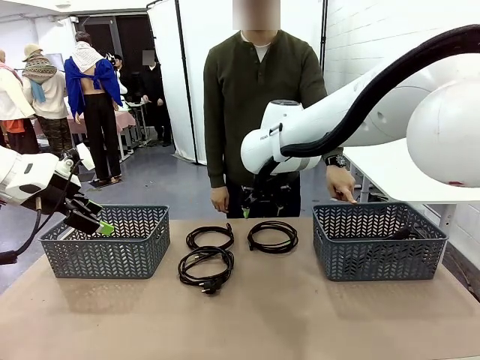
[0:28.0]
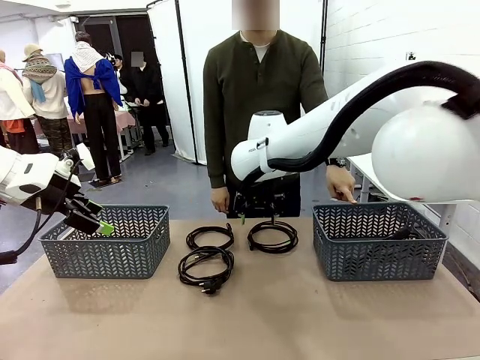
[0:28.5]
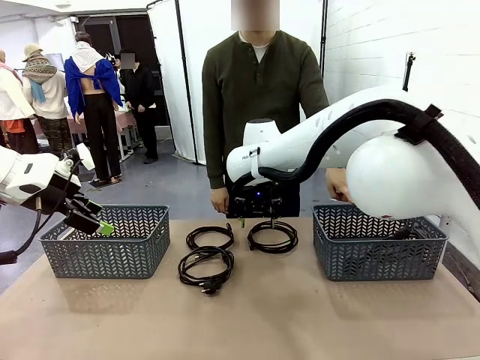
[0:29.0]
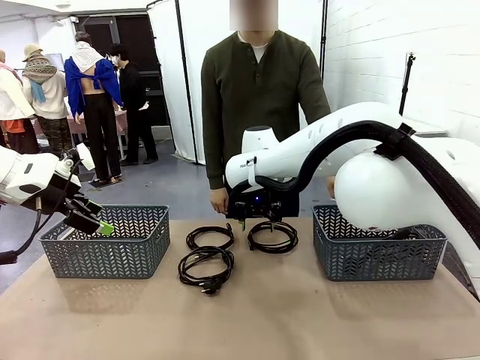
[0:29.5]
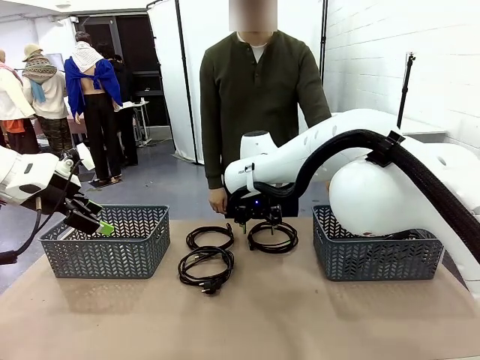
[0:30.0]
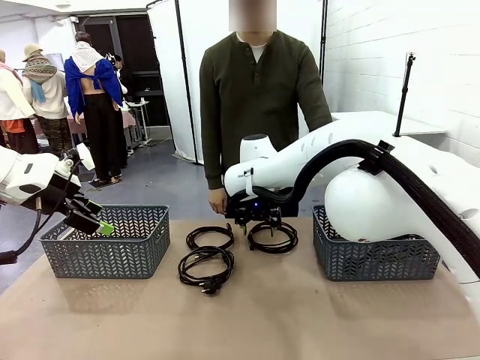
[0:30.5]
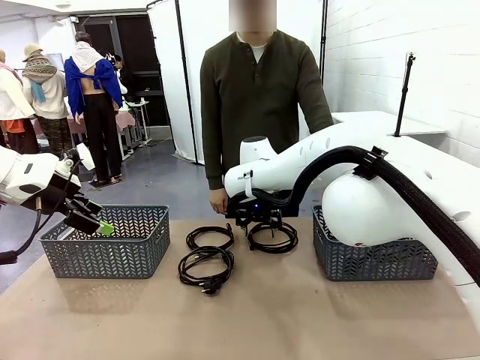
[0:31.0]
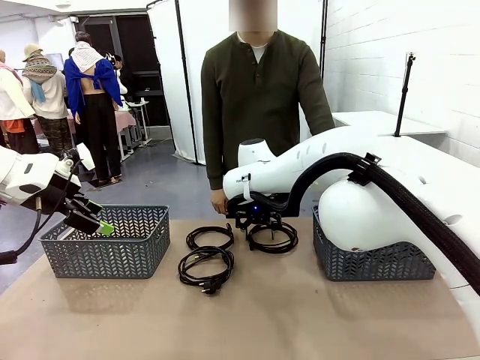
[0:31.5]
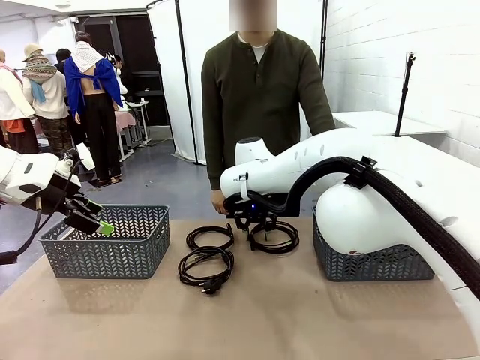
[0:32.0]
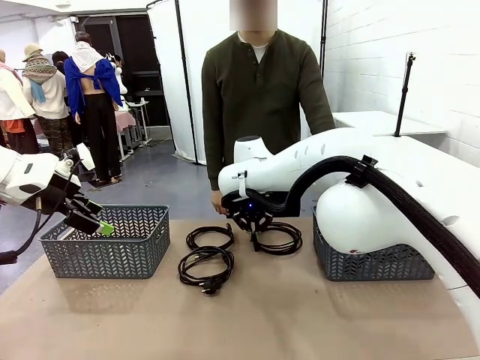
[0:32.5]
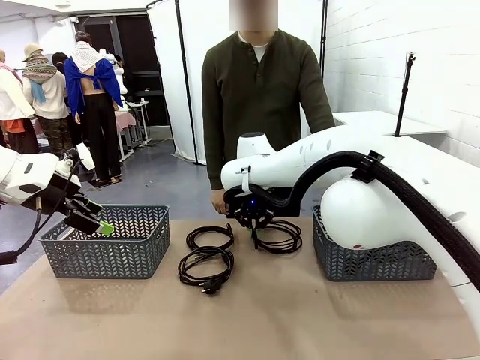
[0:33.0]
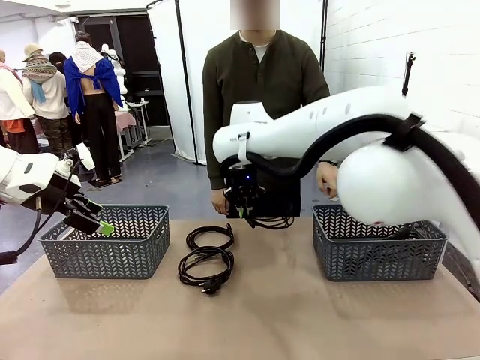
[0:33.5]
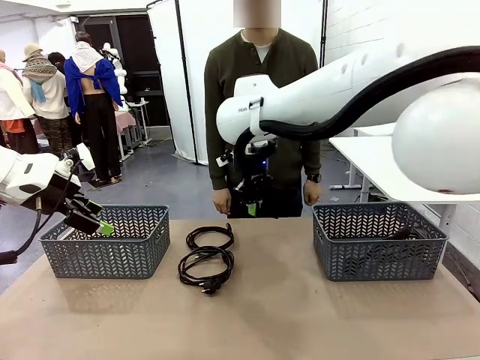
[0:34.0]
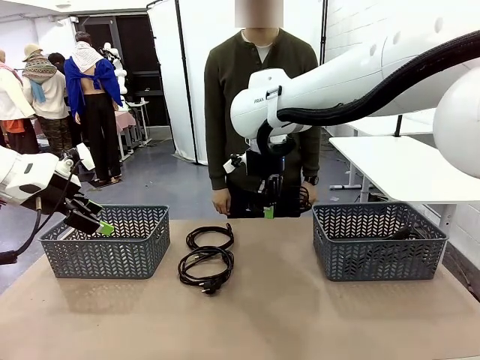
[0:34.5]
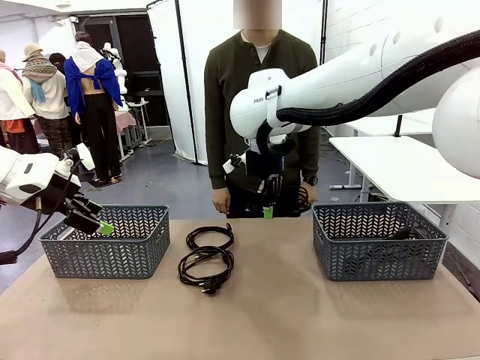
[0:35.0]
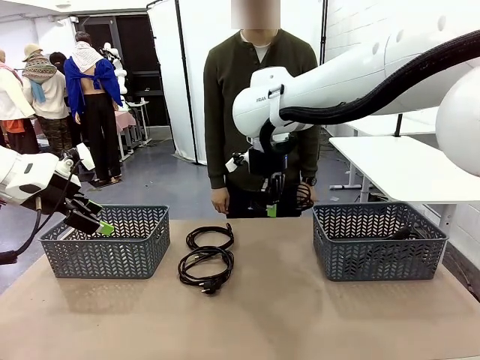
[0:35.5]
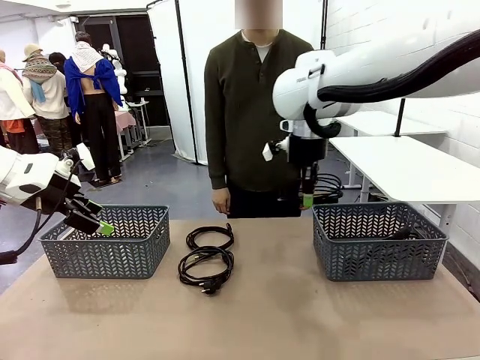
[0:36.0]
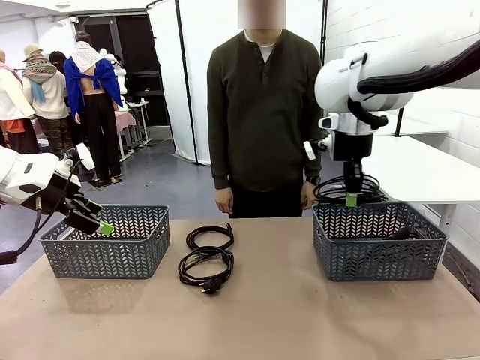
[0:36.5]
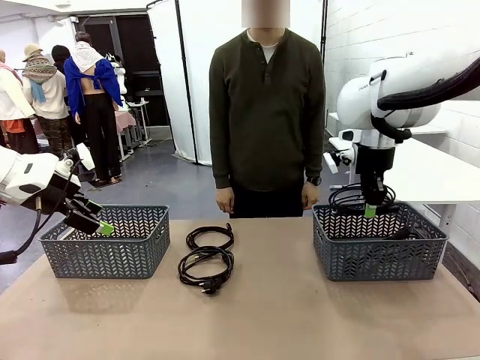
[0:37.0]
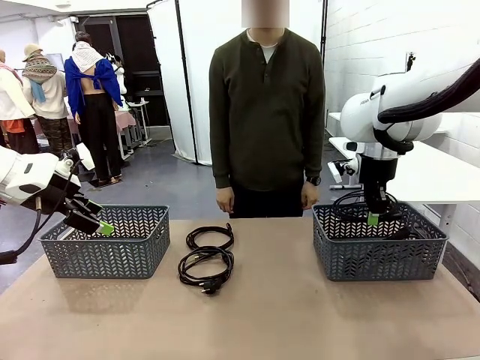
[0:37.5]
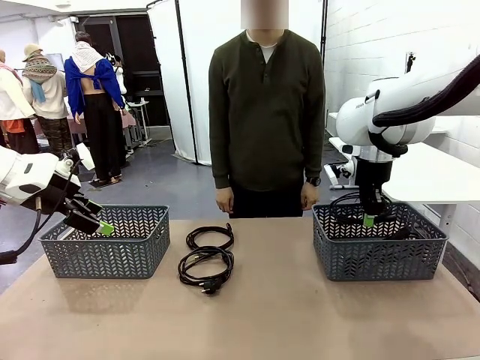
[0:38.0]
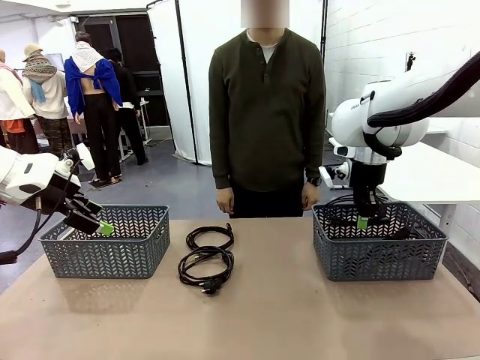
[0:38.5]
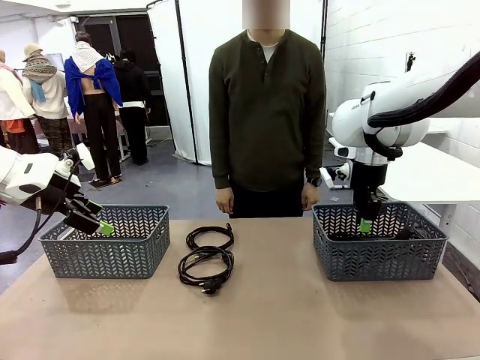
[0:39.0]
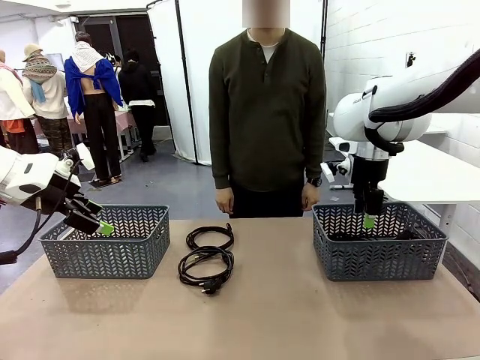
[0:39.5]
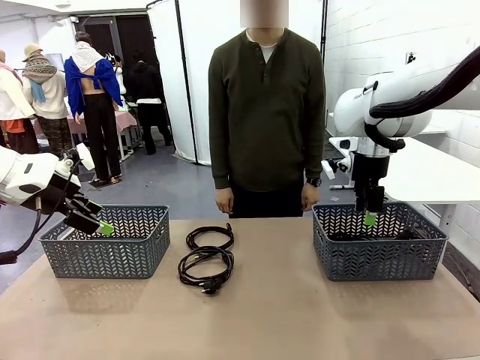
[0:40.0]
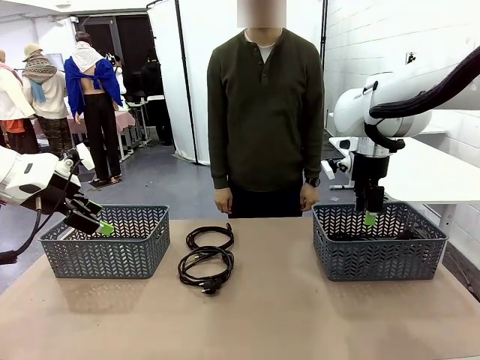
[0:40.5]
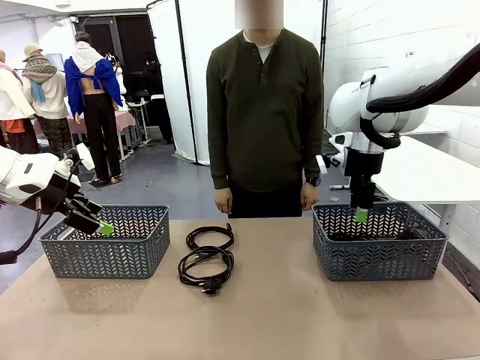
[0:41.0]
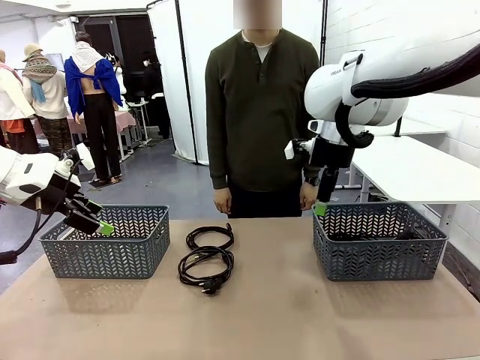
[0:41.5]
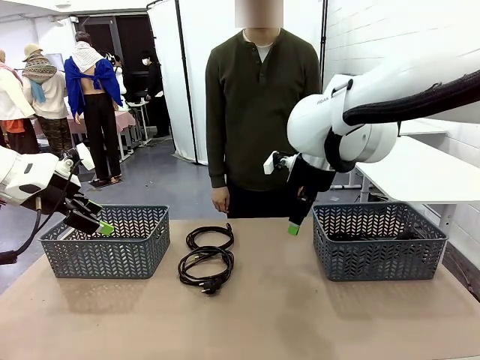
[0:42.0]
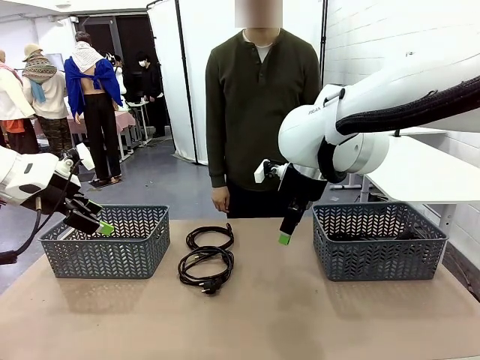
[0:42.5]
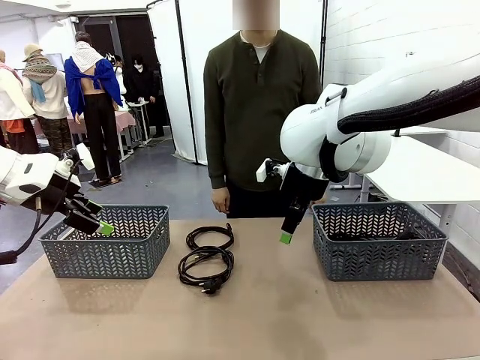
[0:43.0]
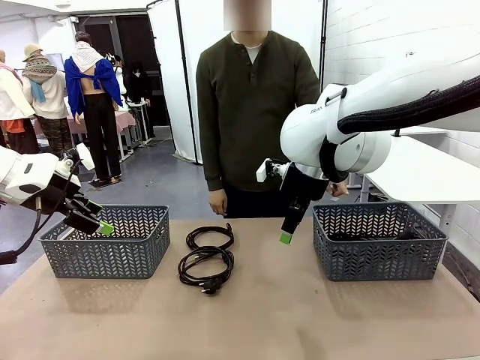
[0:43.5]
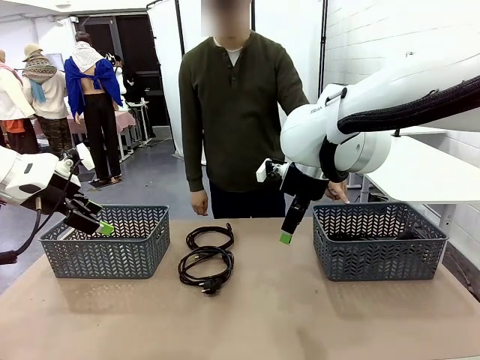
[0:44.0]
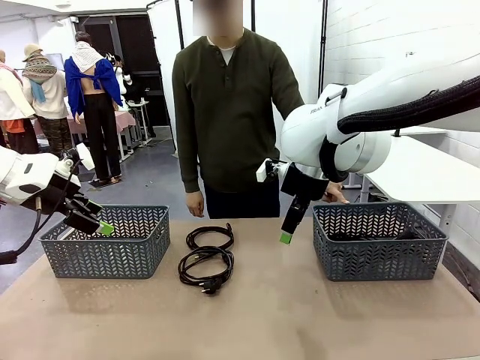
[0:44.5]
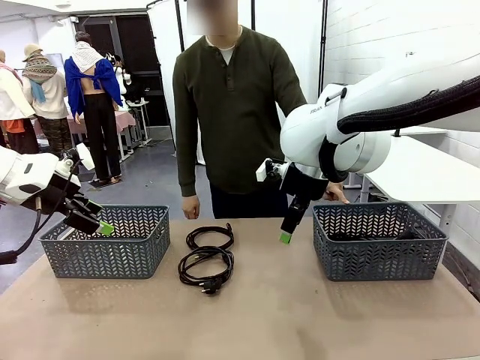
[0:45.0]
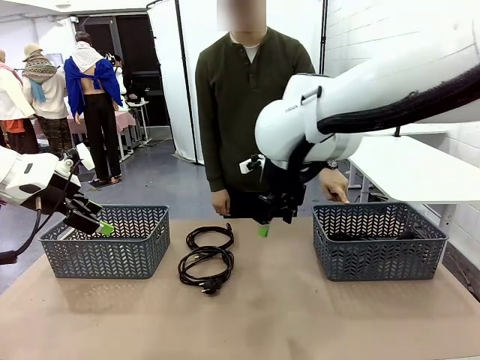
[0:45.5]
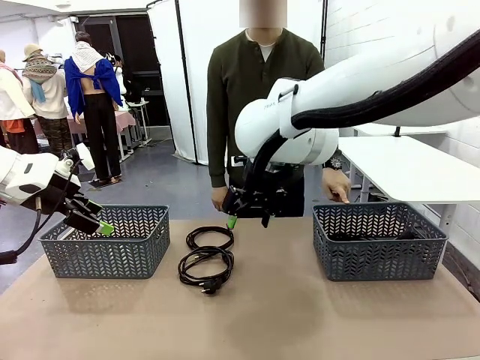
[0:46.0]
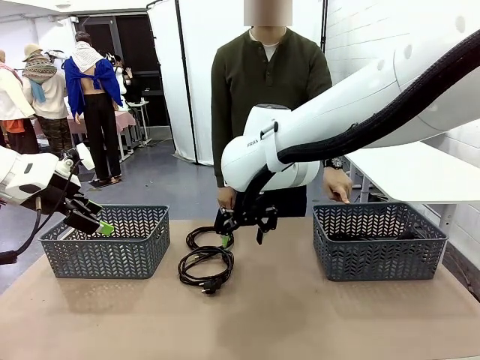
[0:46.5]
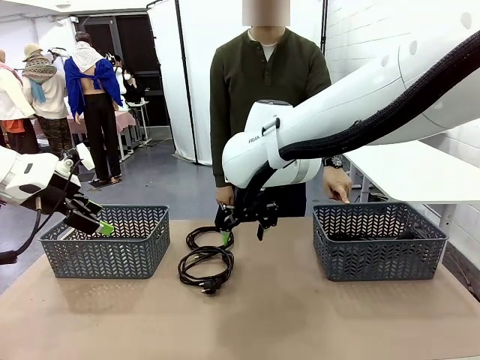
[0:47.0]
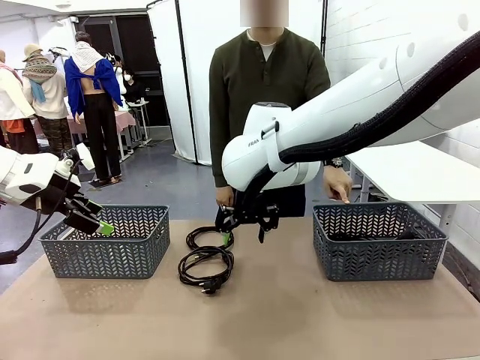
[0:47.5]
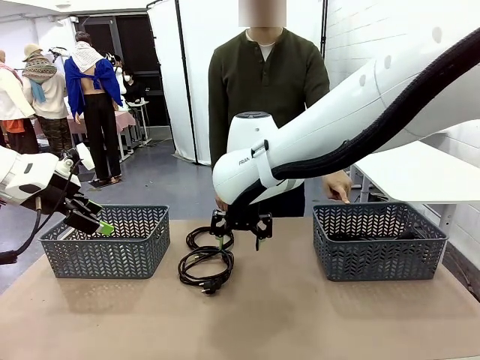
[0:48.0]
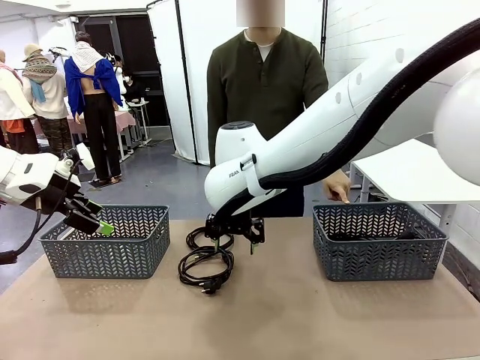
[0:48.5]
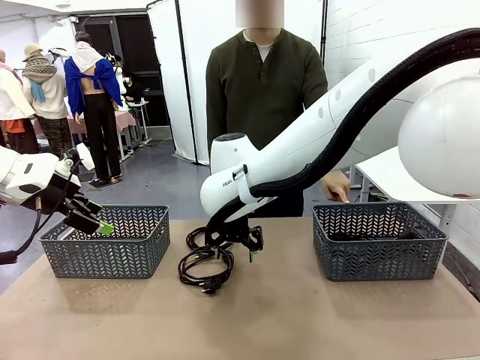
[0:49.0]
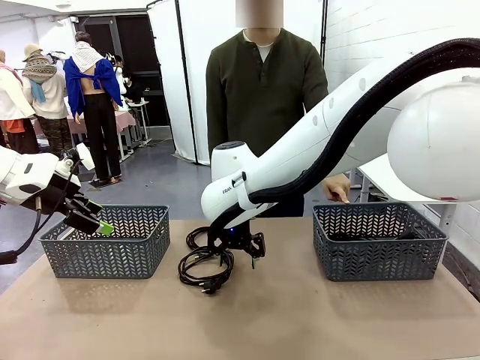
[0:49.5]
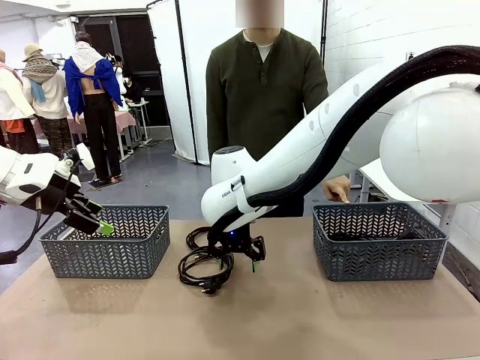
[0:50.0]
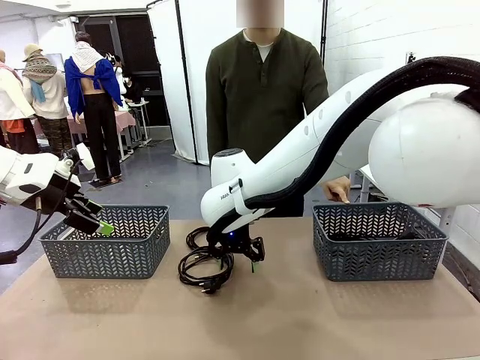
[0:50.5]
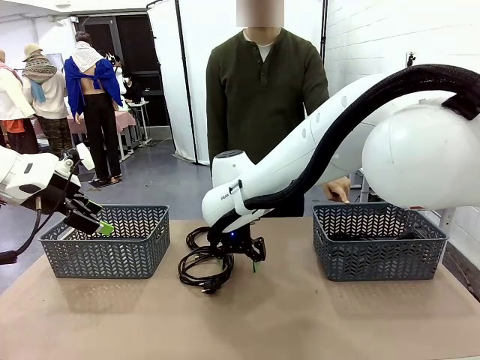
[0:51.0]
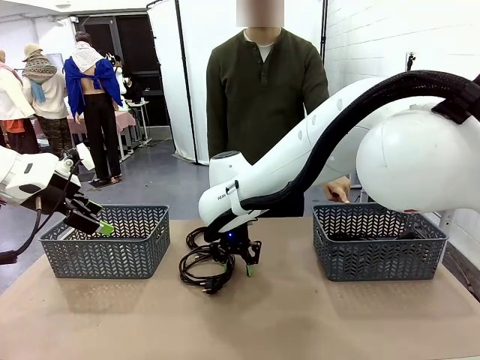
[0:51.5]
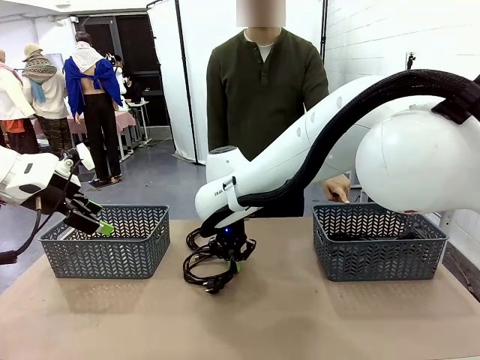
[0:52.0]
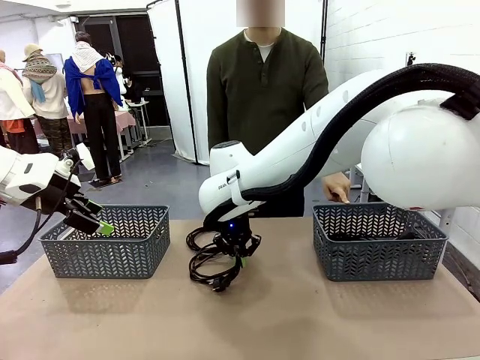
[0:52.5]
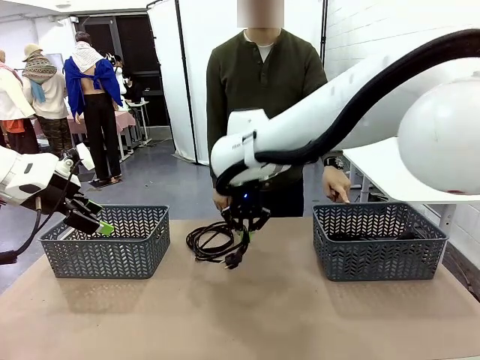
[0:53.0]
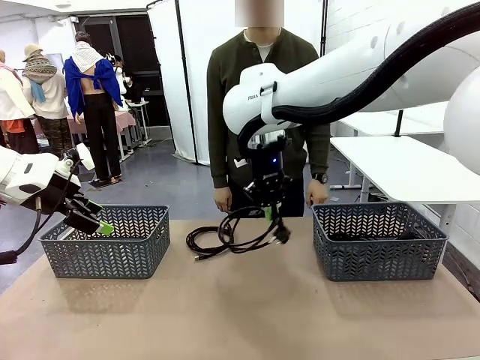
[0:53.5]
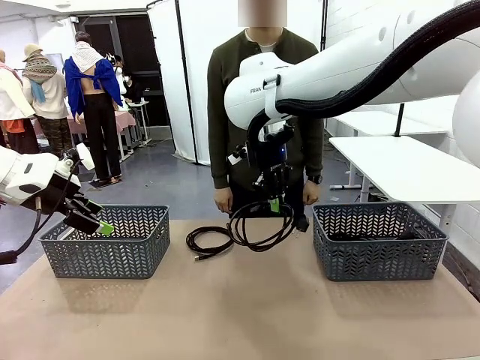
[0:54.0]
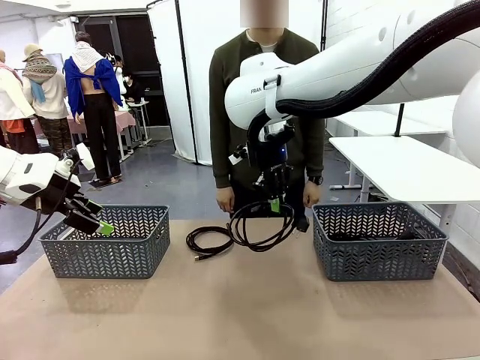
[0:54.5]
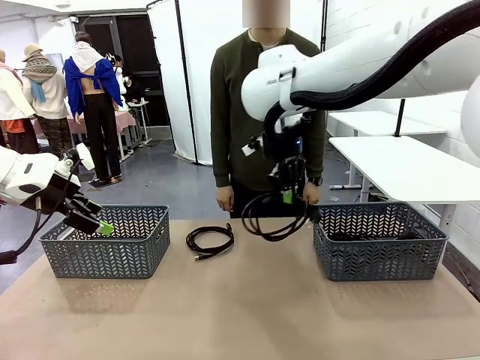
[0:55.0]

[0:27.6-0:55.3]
Task: Organize the cables according to human instructions.
Robot: Pick up a bundle of cables and place it in the basket indicated by the human.
